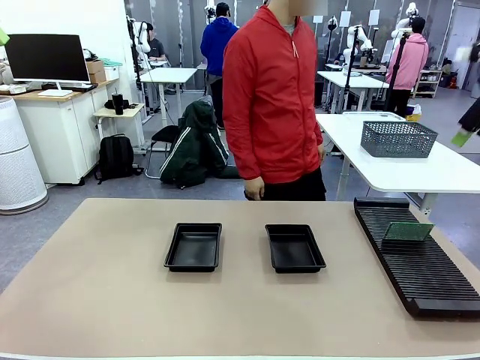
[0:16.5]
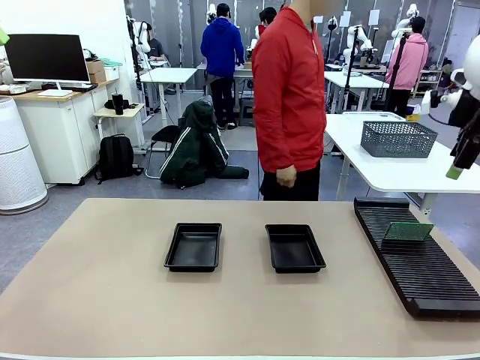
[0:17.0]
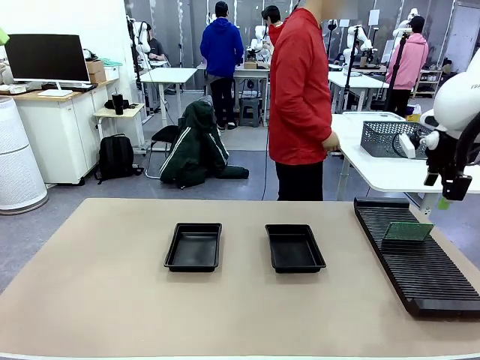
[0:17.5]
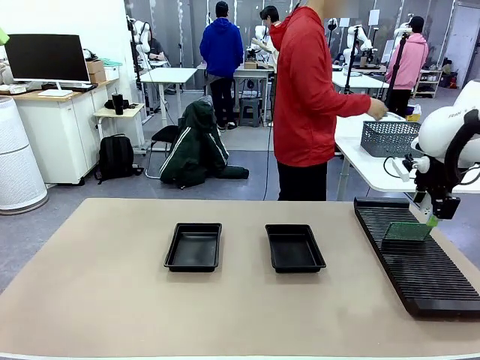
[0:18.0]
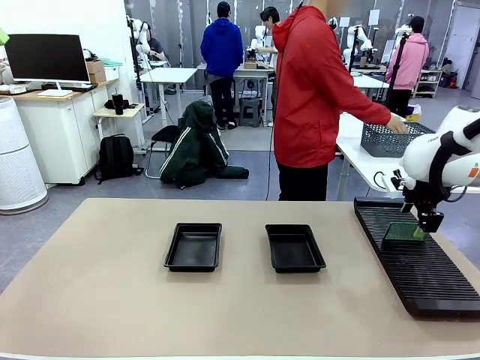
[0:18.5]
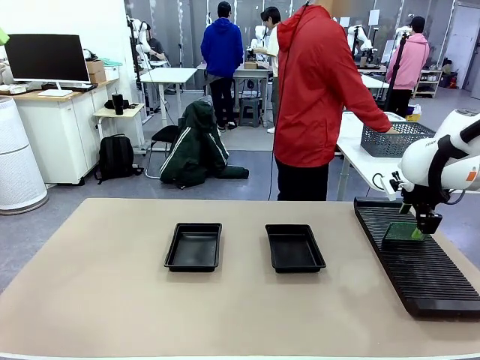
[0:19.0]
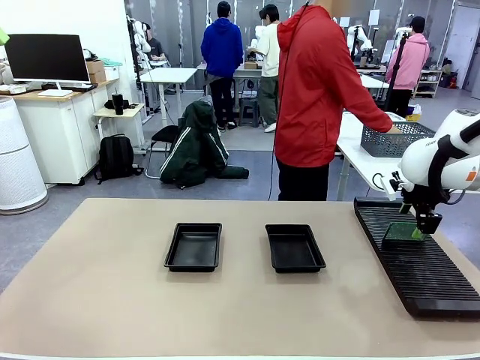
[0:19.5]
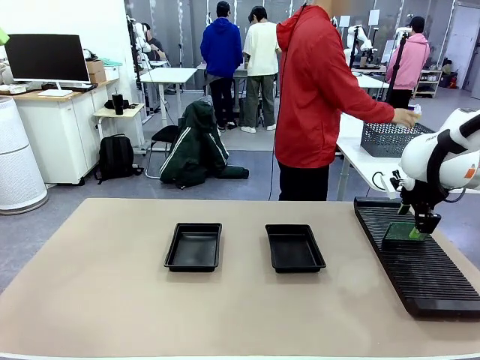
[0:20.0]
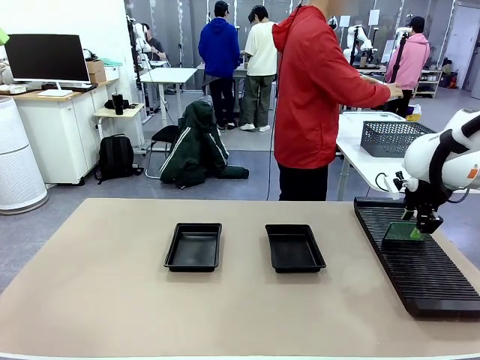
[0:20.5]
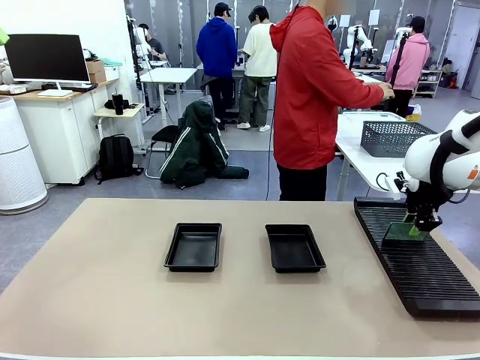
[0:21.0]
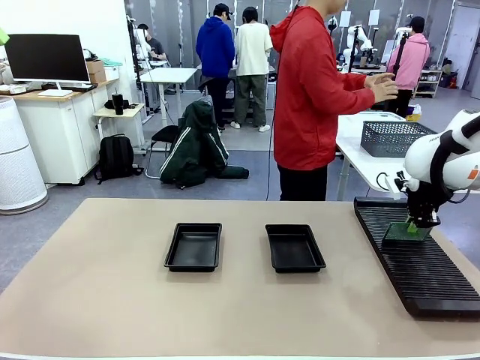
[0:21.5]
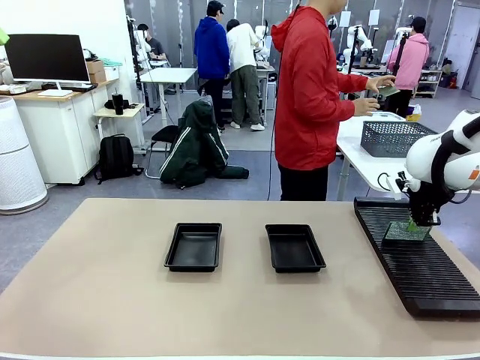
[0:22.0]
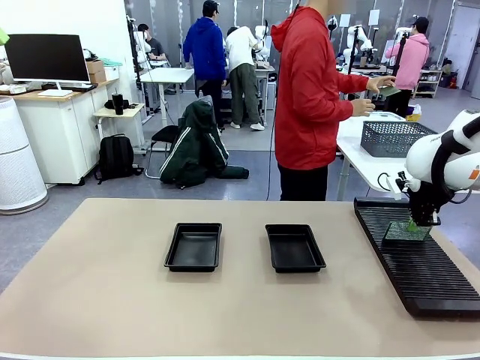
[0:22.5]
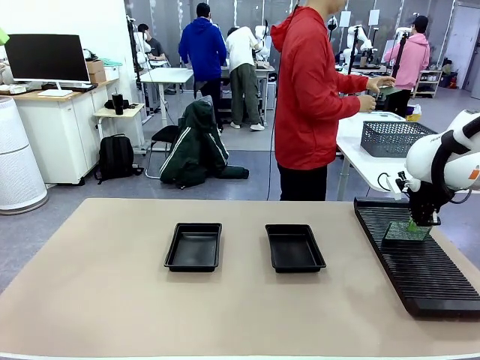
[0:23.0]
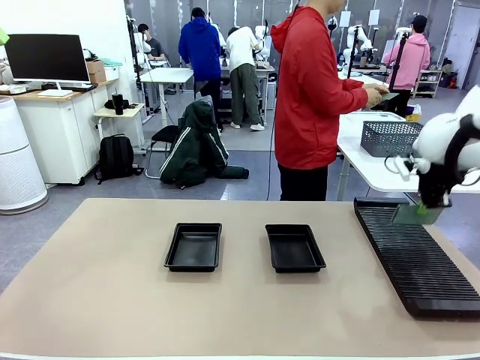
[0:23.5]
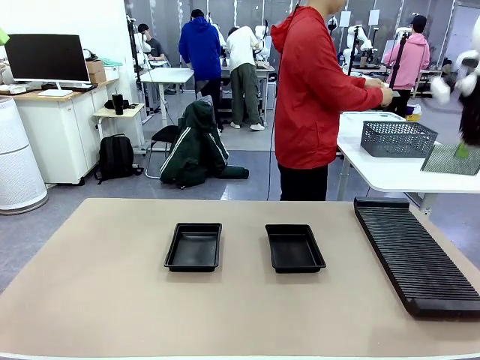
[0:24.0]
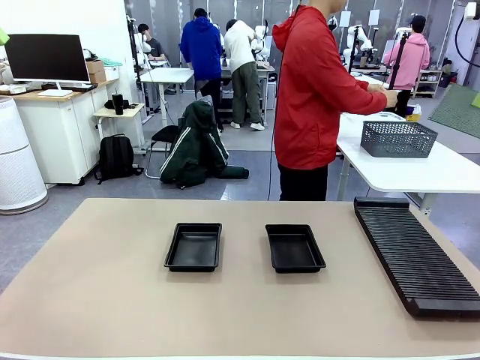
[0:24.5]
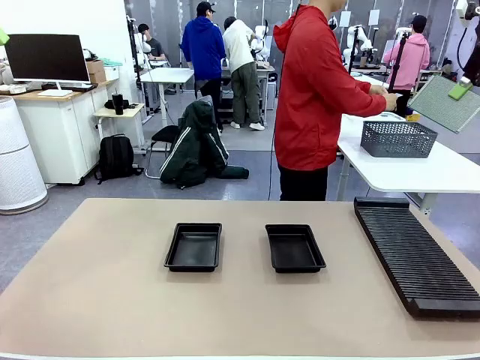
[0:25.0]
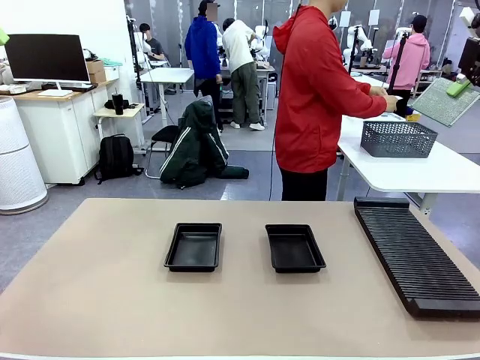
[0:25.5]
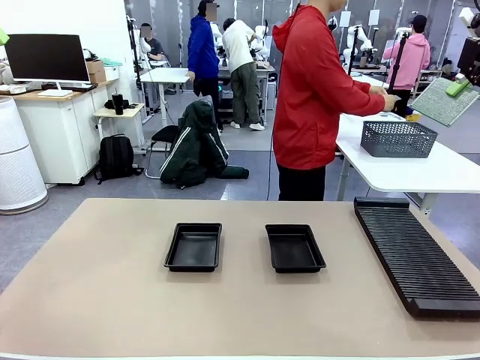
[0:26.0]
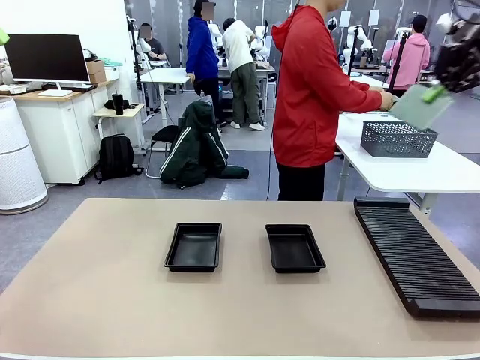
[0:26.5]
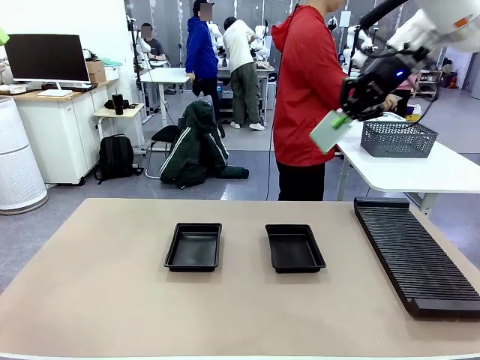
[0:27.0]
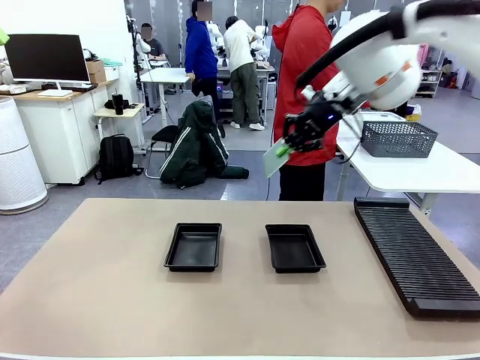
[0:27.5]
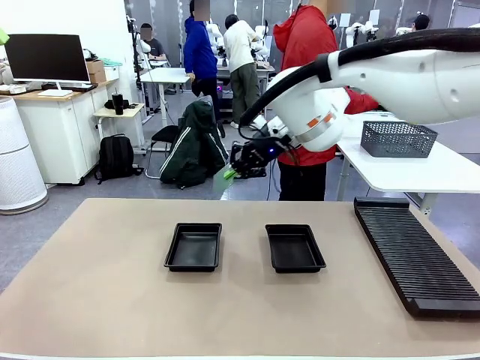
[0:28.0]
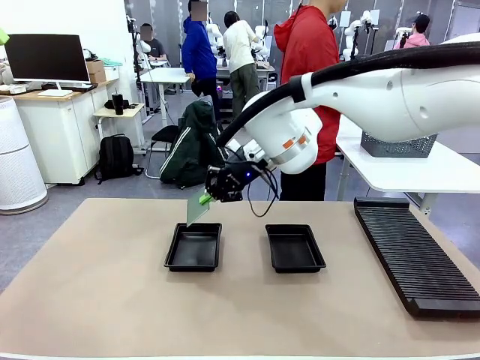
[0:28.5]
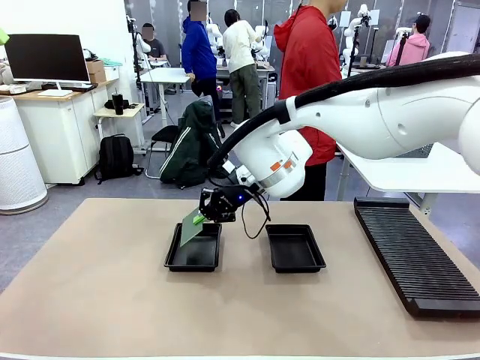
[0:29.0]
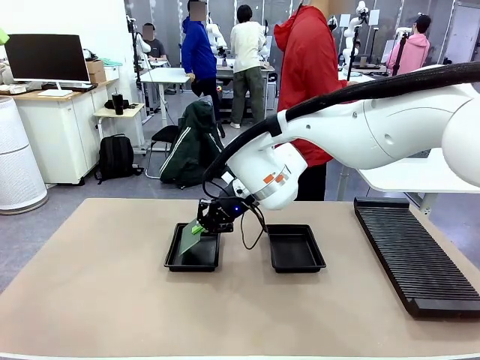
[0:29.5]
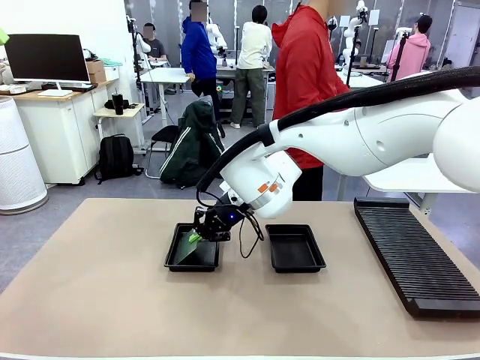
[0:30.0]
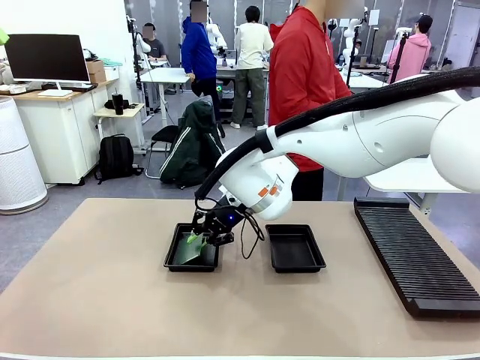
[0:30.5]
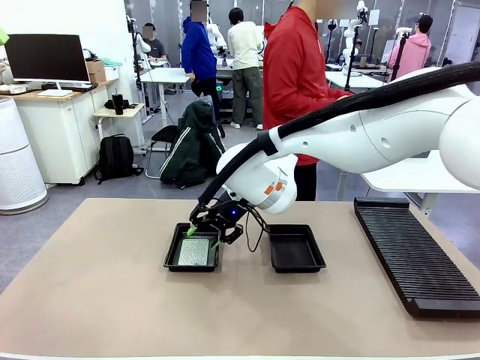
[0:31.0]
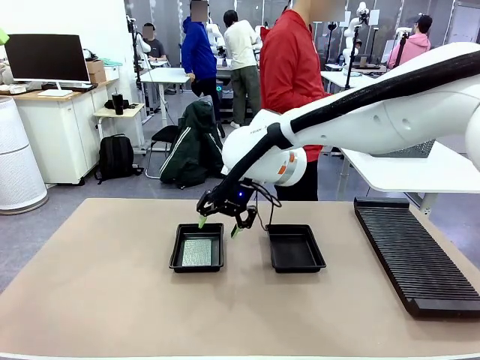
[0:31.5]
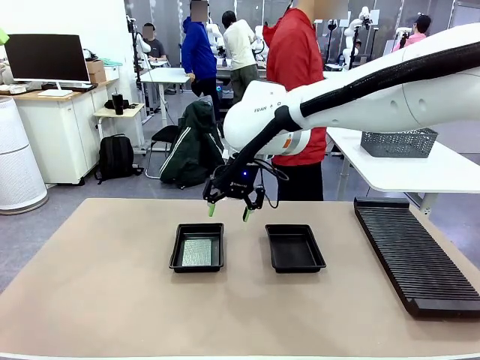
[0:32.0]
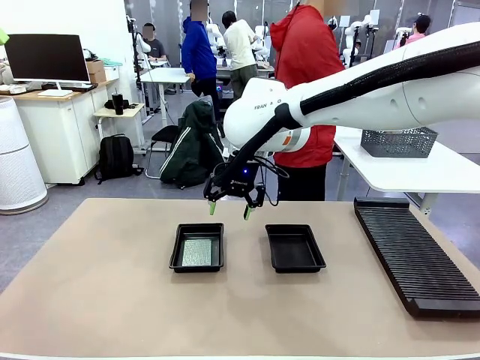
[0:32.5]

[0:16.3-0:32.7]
Task: Inspect and transfer BCBs to ESD trays.
Robot: Pick up the Blank PCB from the PCB Rack and place it in the left ESD tray.

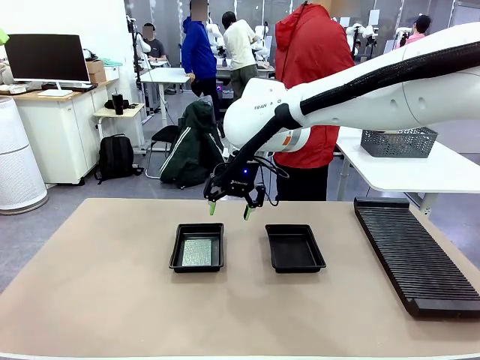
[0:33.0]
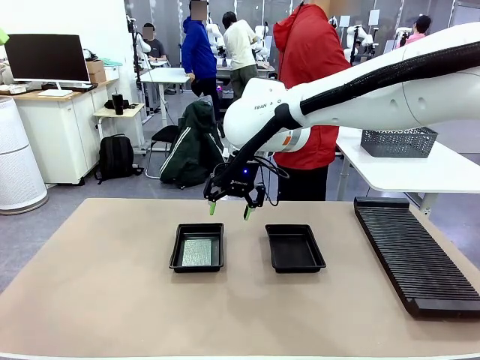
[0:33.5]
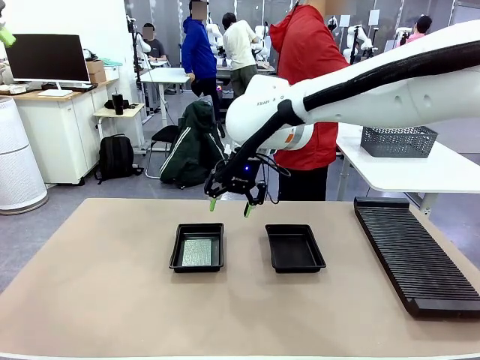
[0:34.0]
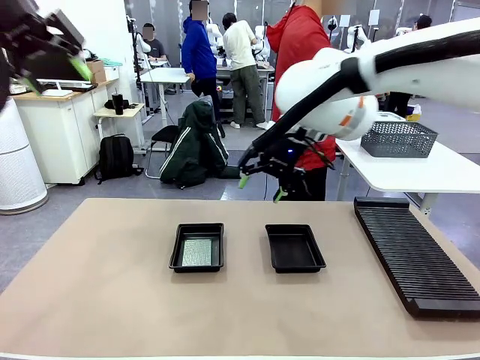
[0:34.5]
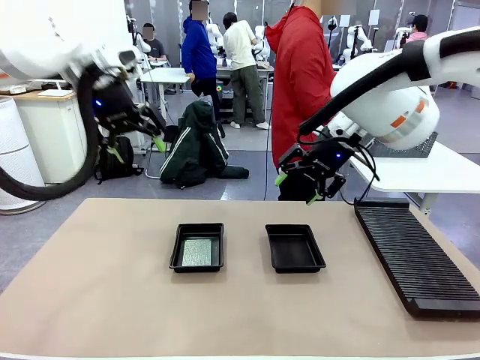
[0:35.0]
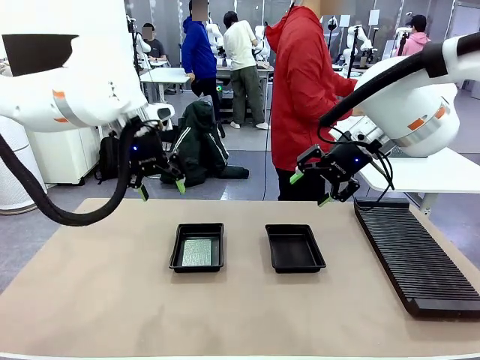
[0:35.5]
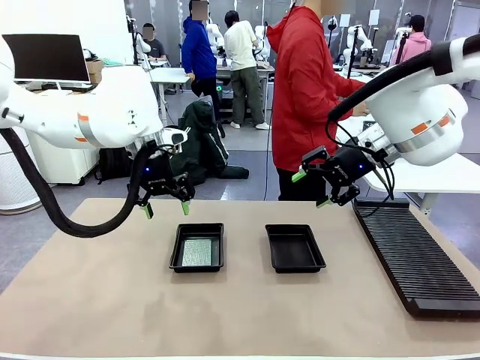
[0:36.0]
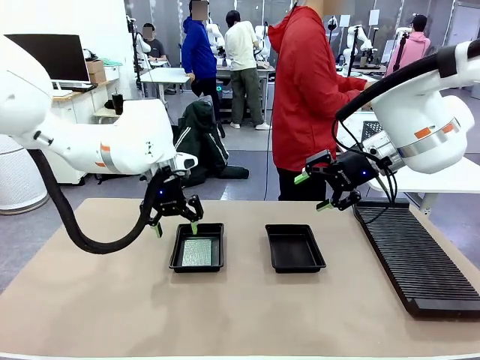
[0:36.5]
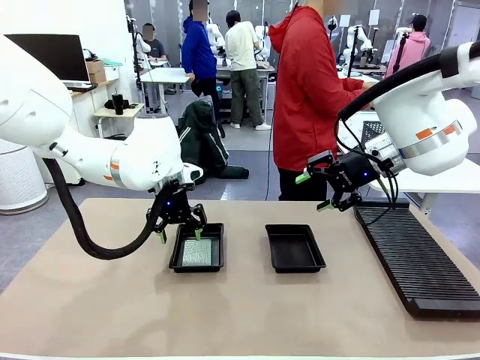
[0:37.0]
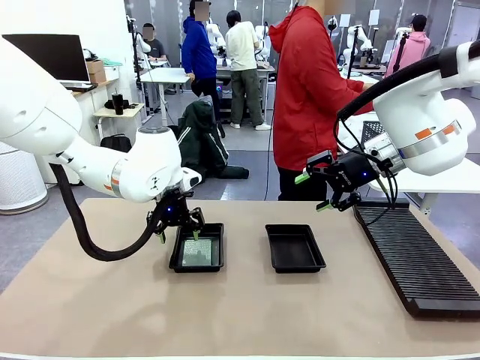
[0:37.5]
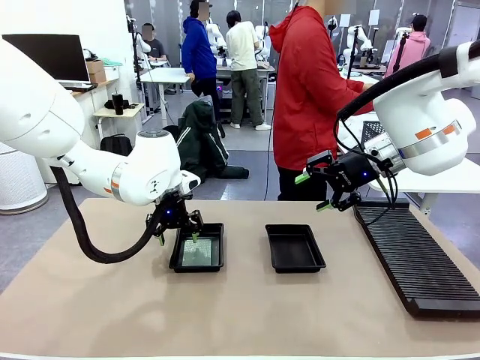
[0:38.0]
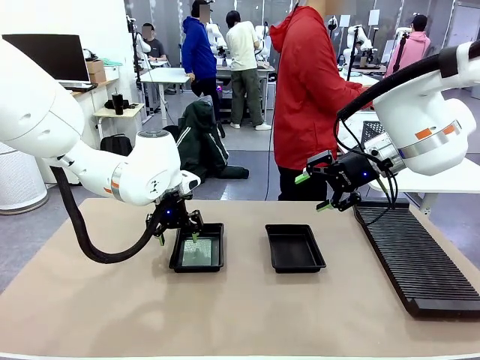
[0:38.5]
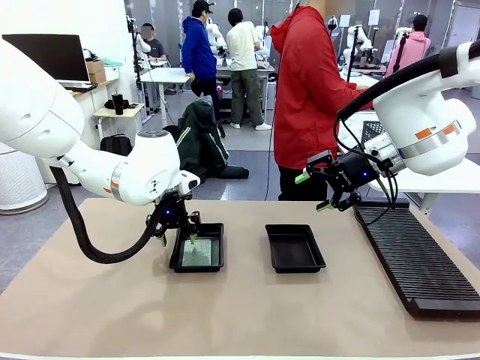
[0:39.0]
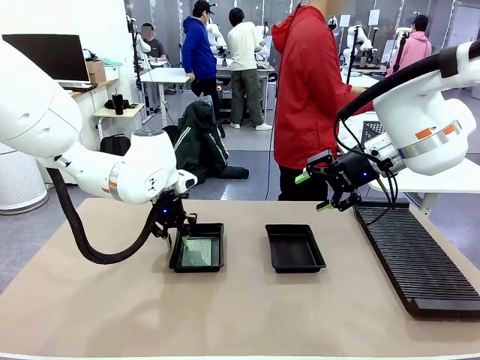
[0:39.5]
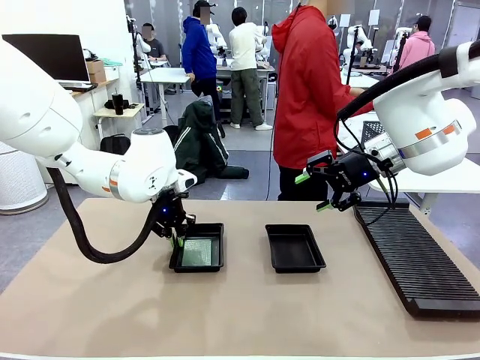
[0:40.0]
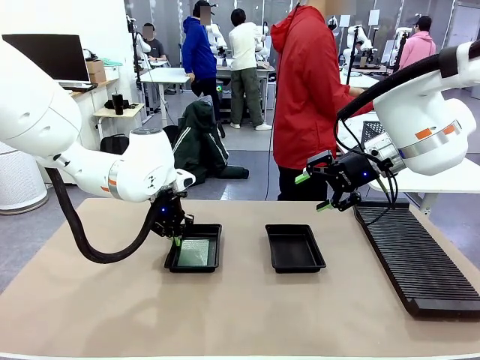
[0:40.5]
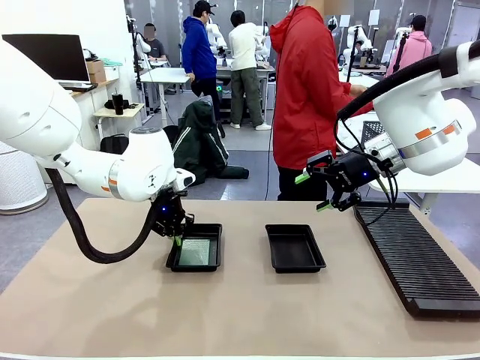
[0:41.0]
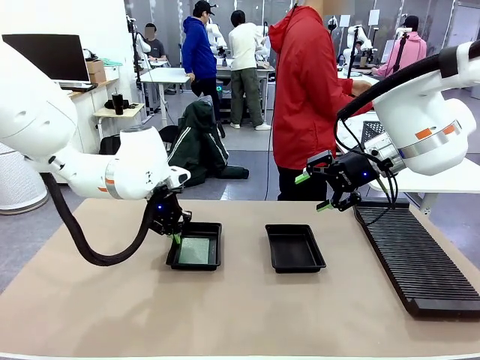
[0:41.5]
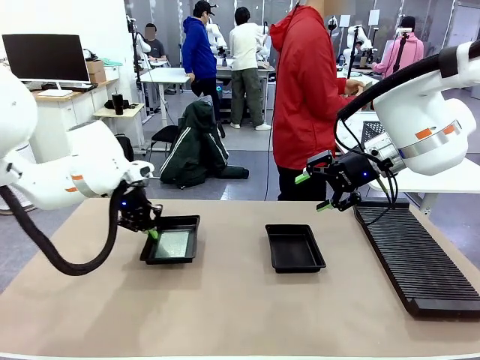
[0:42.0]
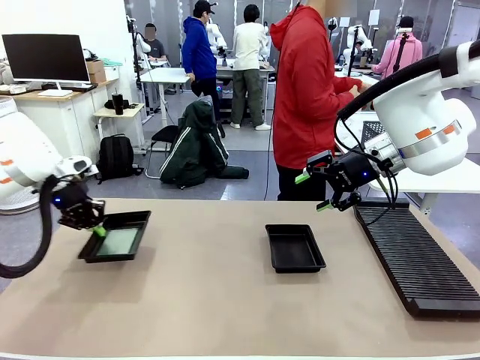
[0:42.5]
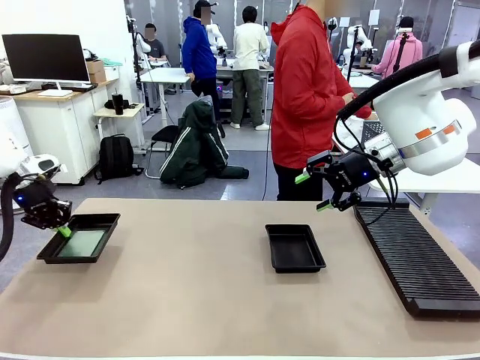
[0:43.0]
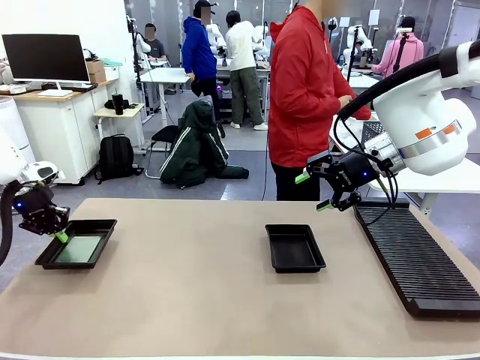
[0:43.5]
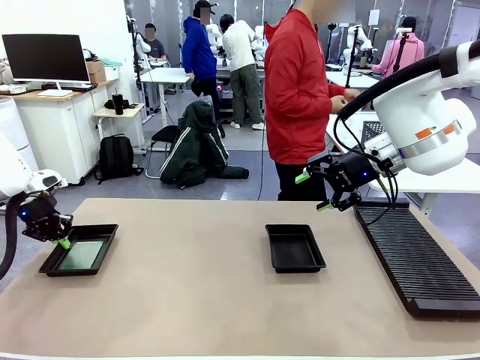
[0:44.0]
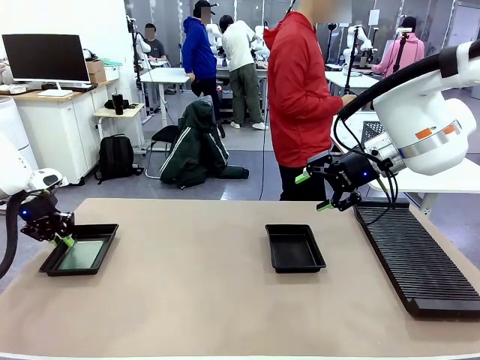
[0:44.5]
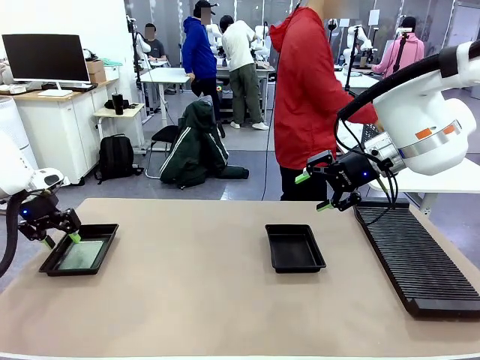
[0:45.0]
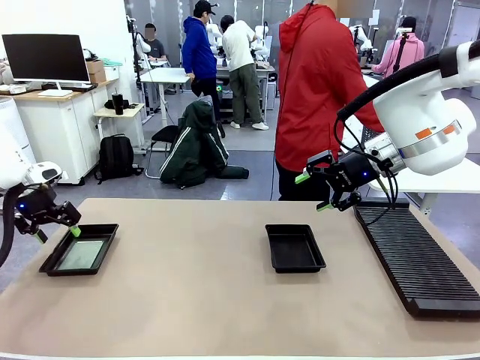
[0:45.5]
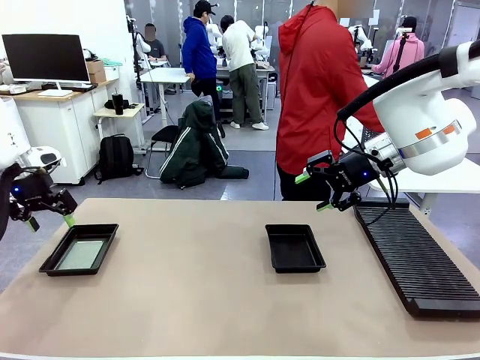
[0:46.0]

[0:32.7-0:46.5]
Robot: Pick up the ESD tray and place it on the left side of the table.
